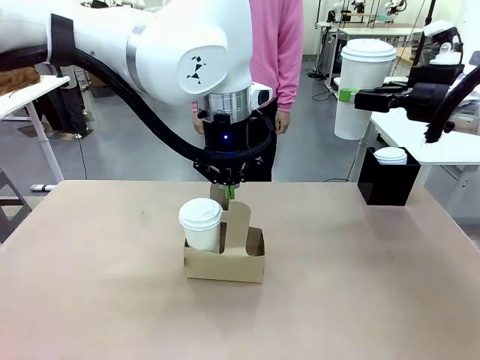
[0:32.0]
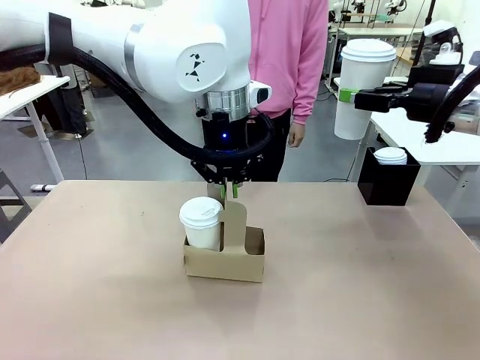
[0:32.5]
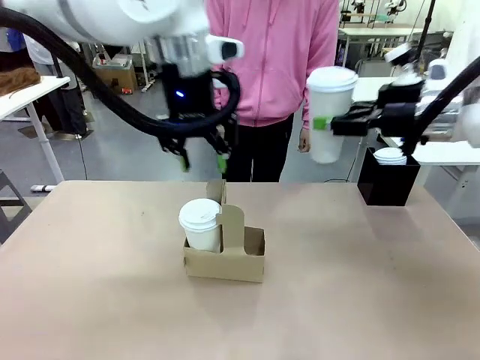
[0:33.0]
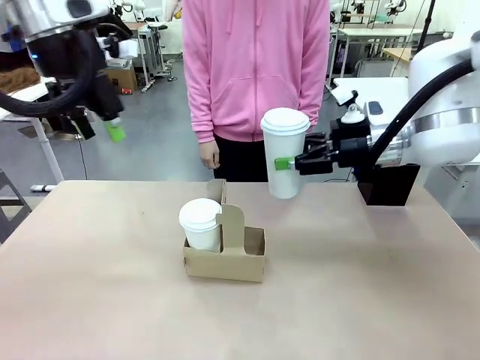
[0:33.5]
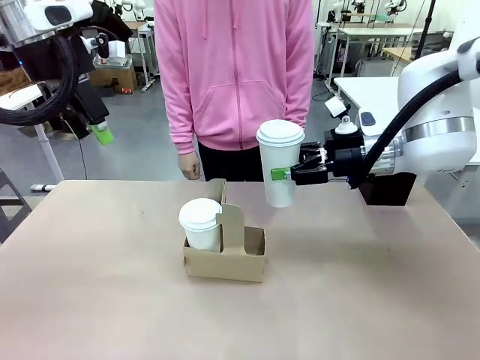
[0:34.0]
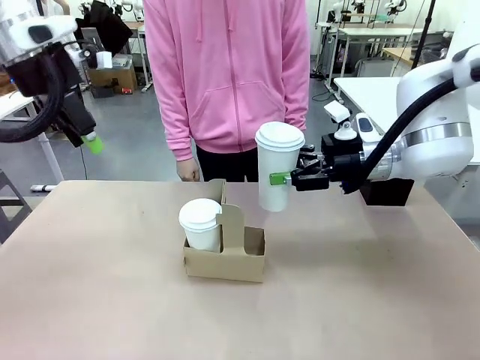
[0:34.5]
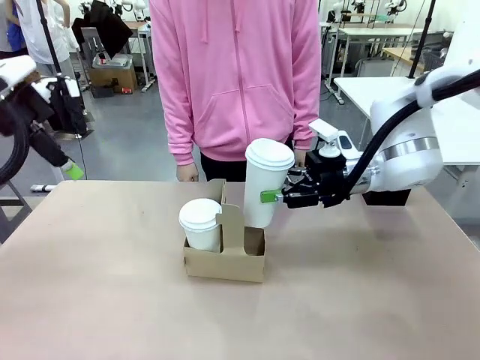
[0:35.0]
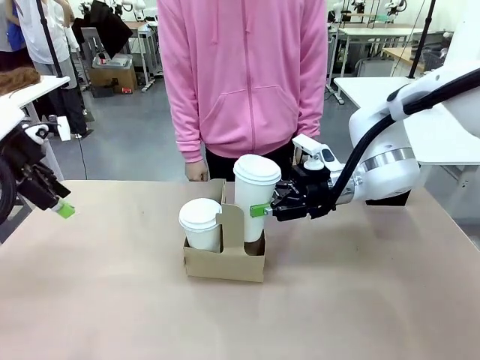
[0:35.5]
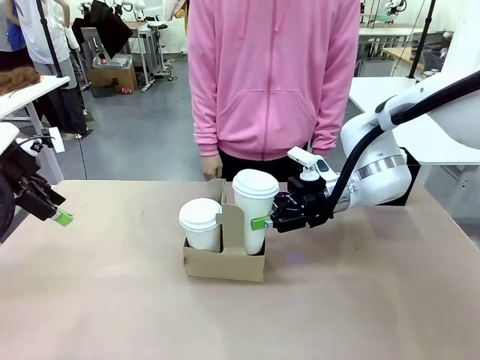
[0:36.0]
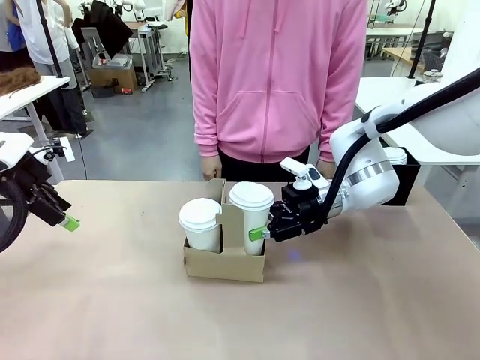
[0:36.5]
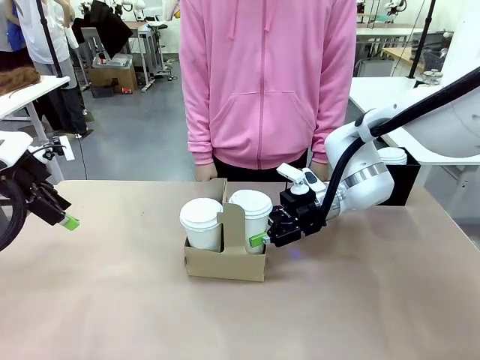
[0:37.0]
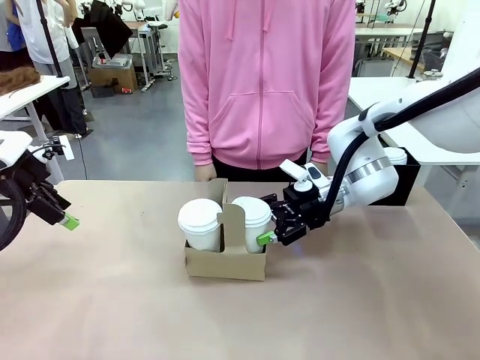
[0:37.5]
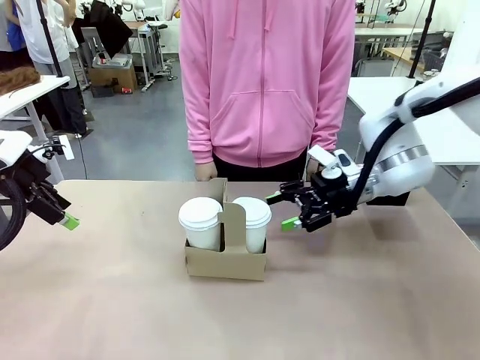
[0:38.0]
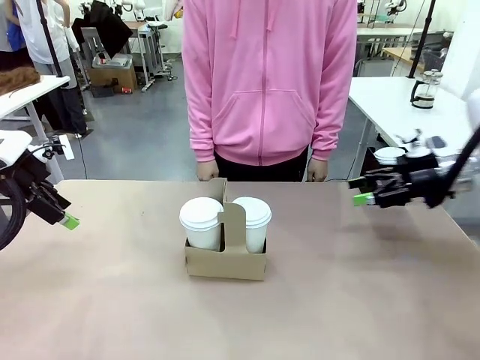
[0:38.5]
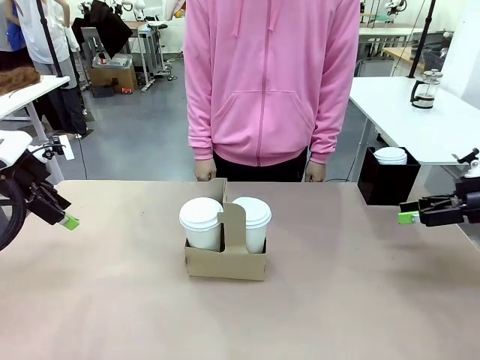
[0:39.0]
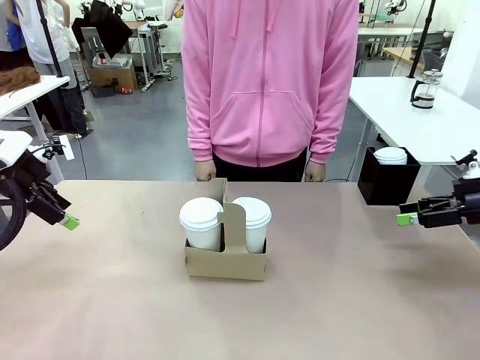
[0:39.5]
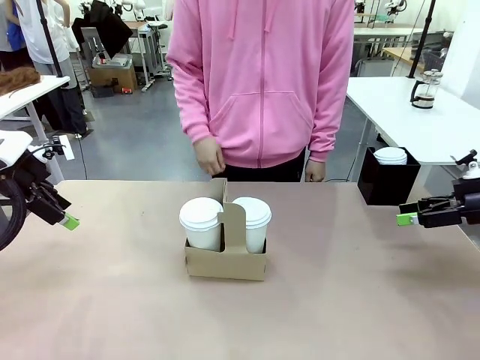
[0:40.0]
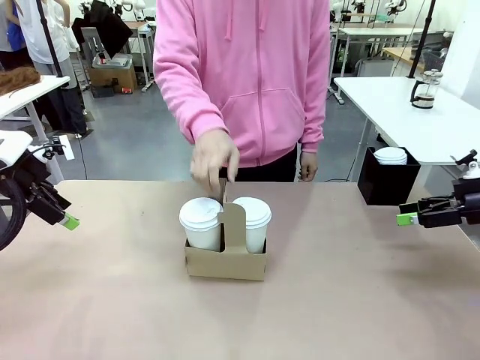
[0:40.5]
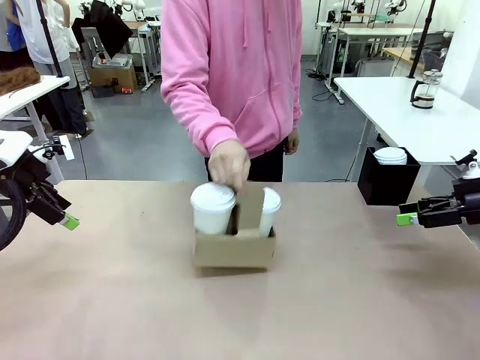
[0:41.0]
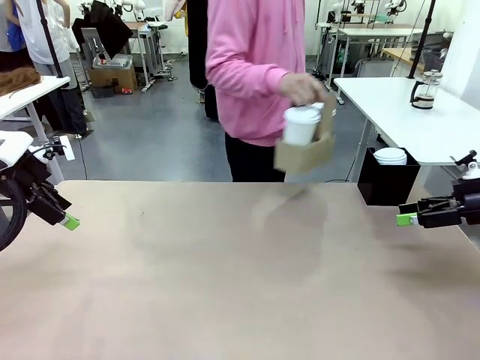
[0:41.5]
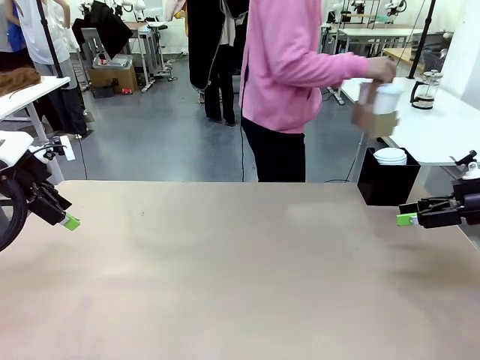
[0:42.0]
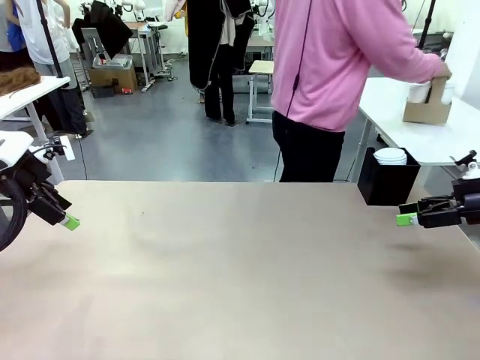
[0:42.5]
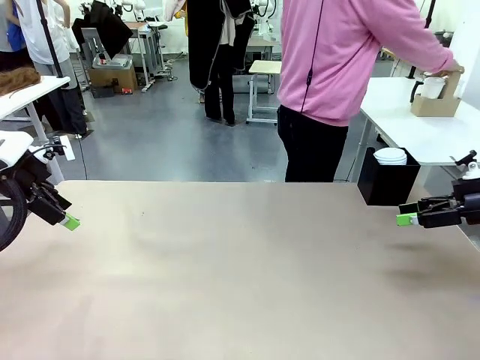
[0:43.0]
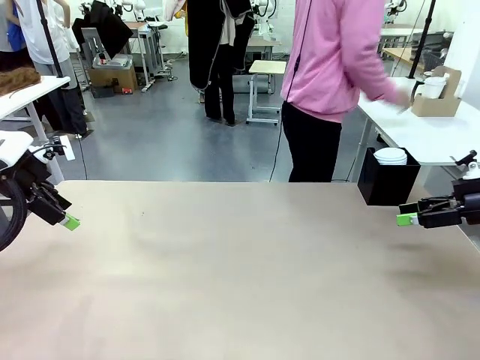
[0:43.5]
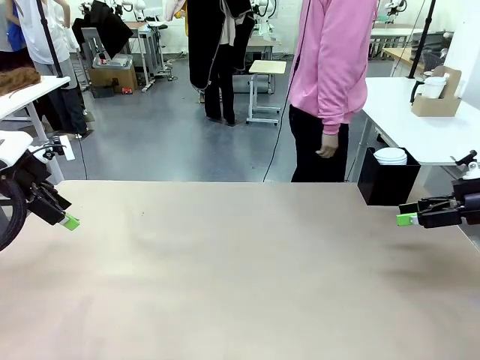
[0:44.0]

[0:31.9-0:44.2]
Task: Pour a drink into a cup and package it in a carrier.
Robot: Insert the held 600 ml Paper Cup into the Cup Carrier.
Person: Place the Cup Carrier to the middle of Human table.

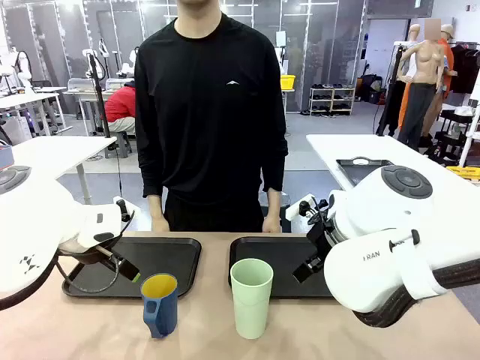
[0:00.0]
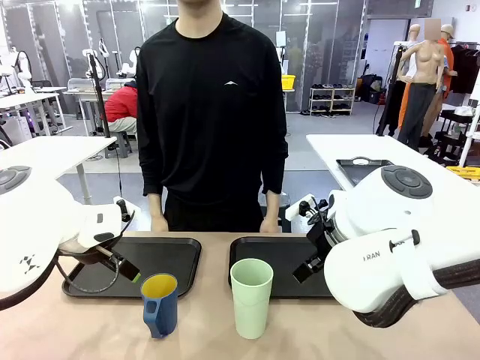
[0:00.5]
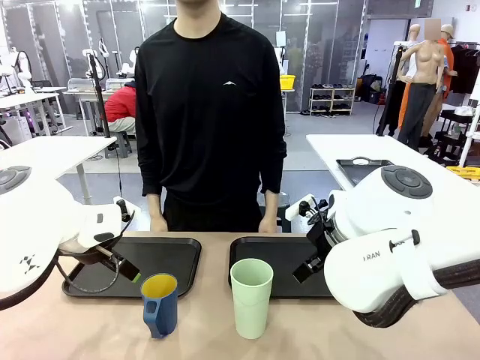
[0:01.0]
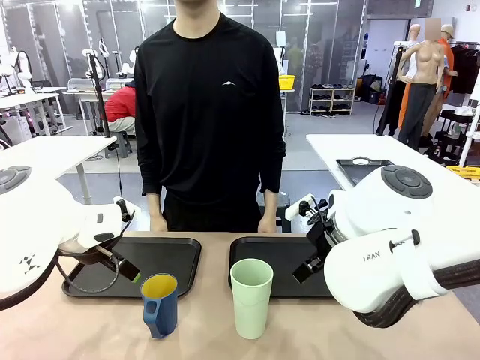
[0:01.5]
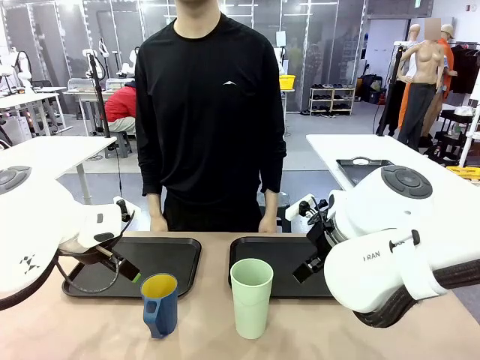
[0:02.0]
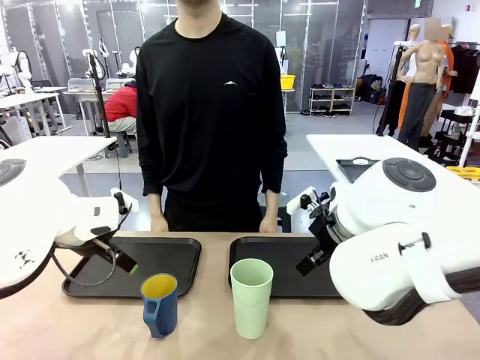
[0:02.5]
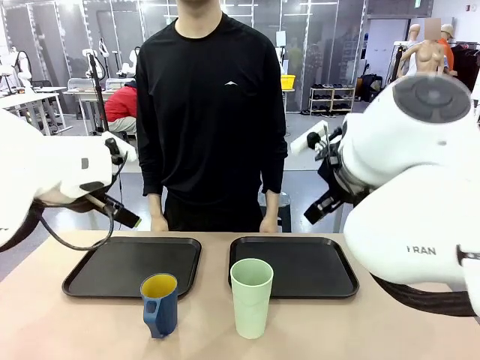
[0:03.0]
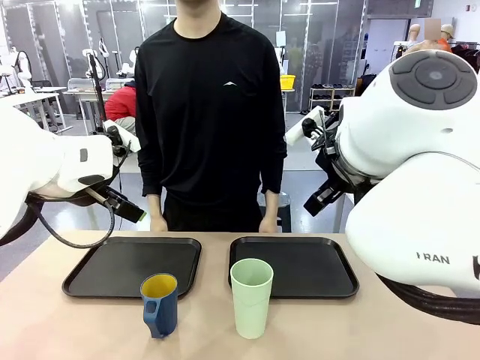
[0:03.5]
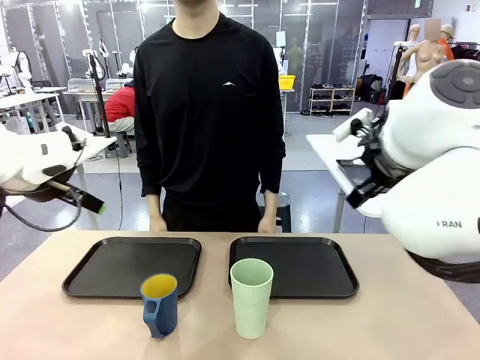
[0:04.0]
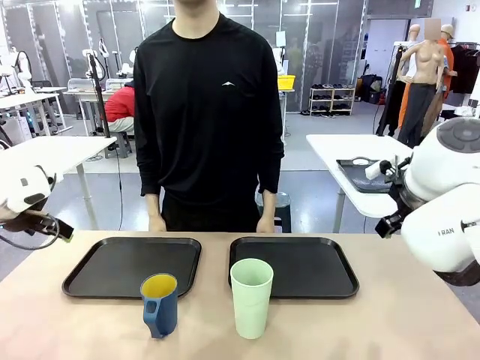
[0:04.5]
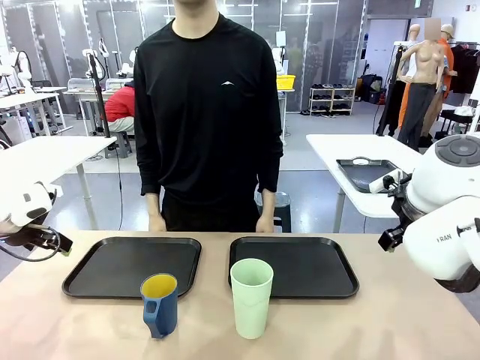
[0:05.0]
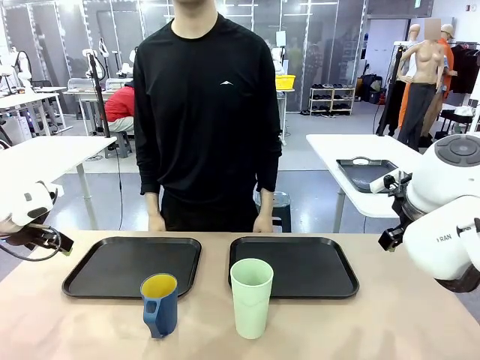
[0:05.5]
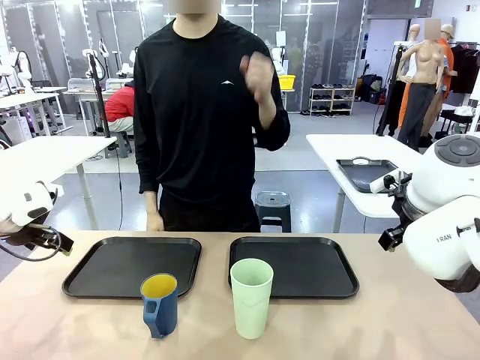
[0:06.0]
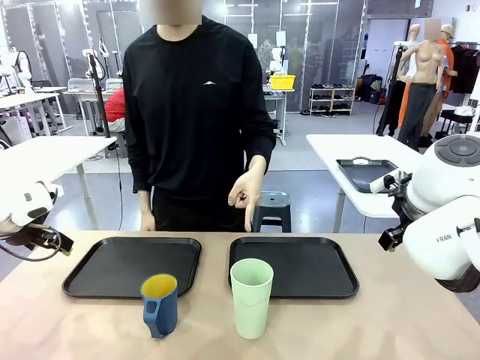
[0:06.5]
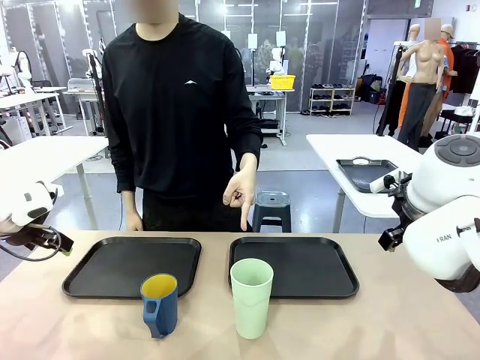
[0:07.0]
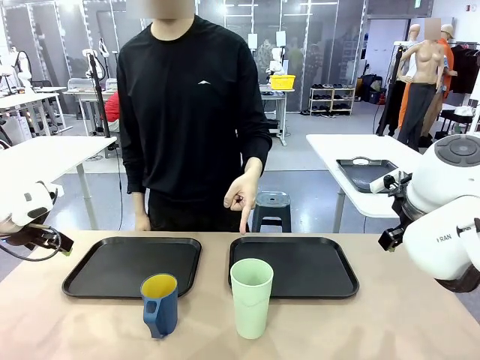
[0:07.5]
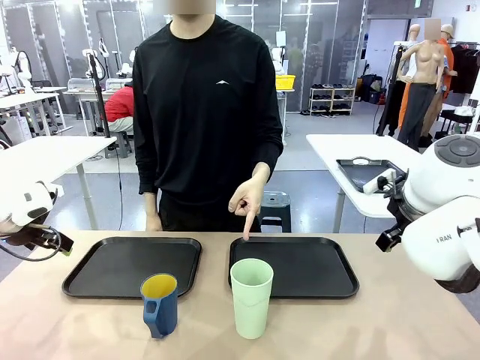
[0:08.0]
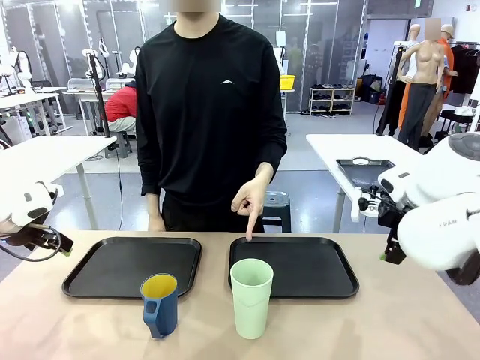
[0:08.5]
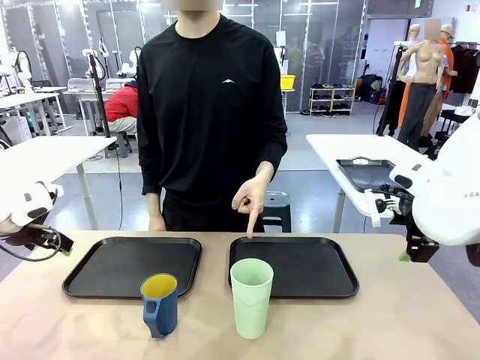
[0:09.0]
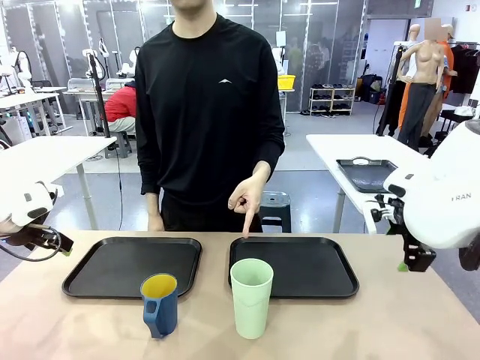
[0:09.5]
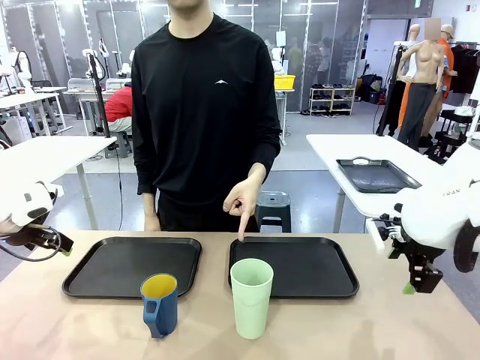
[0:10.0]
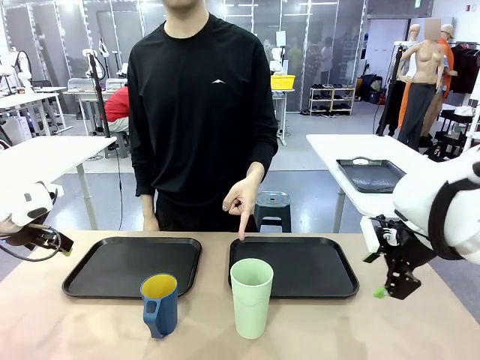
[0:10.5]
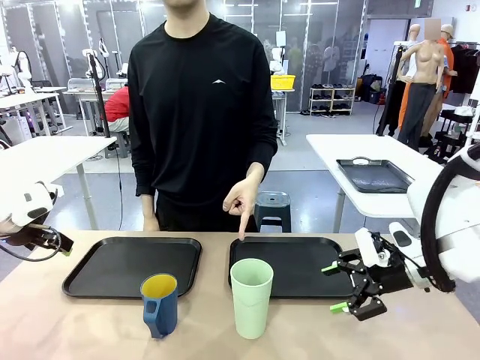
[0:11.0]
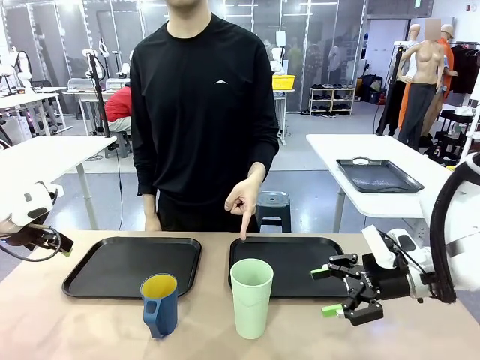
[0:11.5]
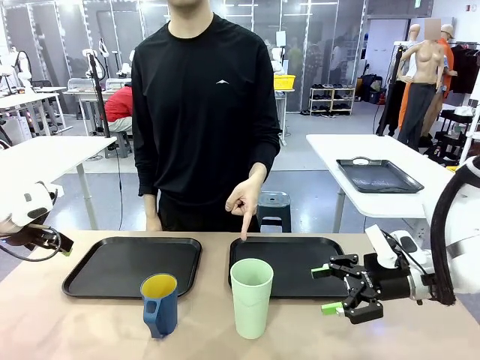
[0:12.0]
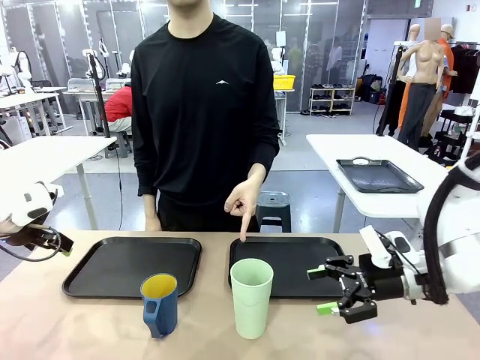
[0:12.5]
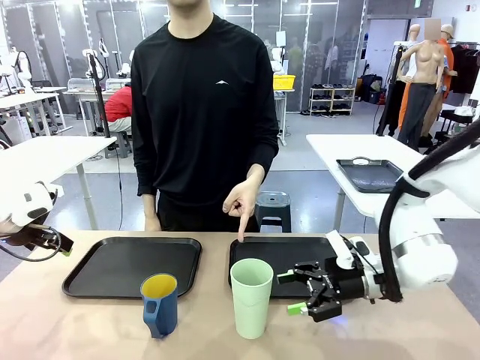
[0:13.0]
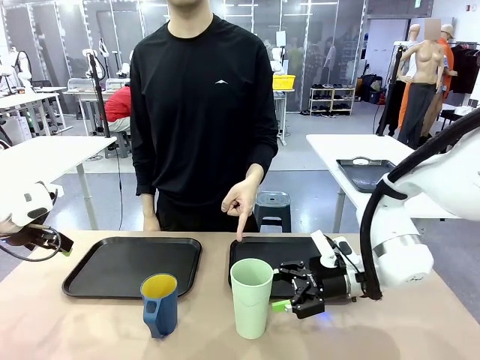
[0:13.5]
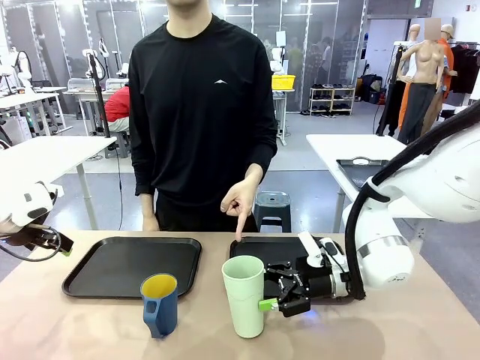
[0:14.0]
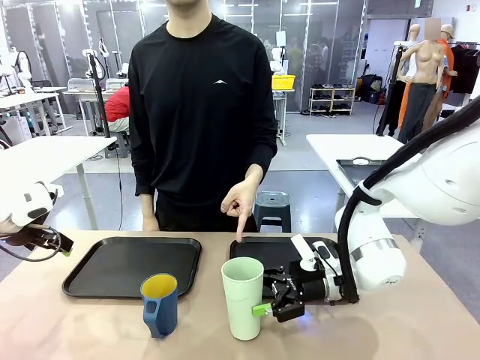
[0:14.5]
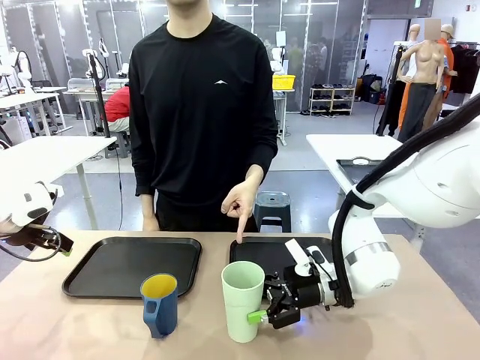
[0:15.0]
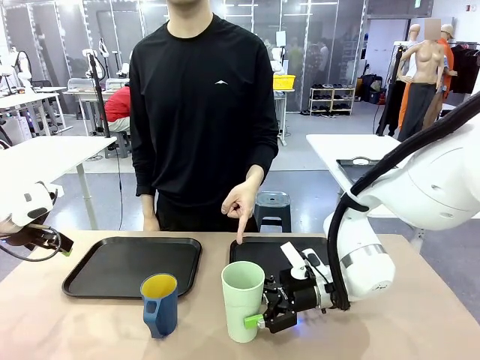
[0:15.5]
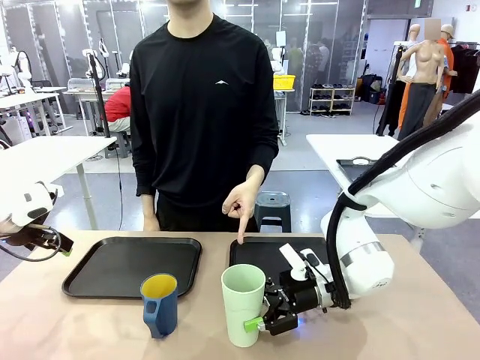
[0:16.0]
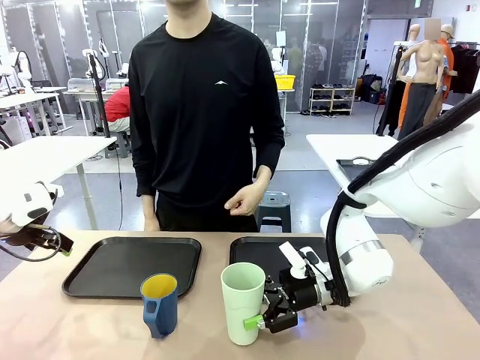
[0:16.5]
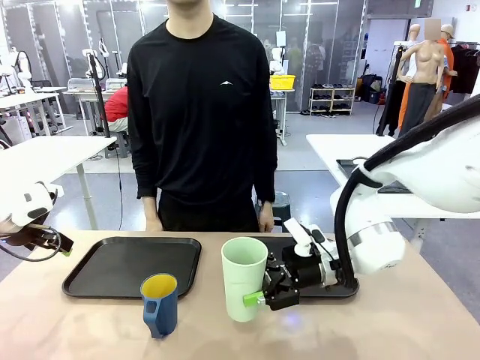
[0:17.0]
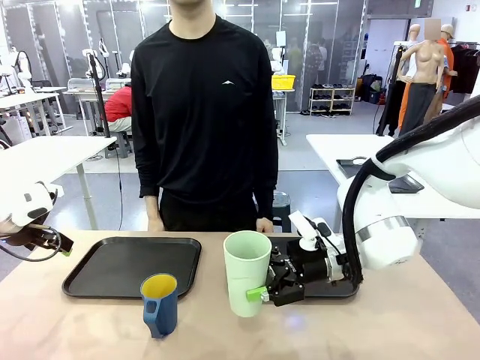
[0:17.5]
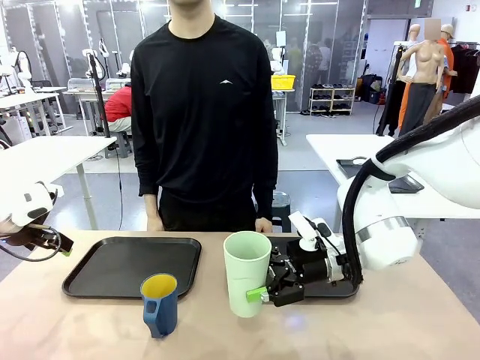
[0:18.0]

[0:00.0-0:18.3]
Task: Sort and store the cups by type.
Robot: Pick up the Reusable plastic cup.
Person: Points to the reusable cup. Point to one of the two trays.
